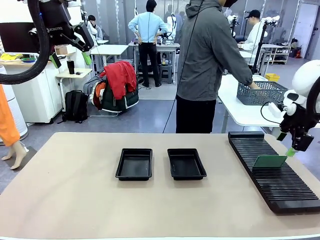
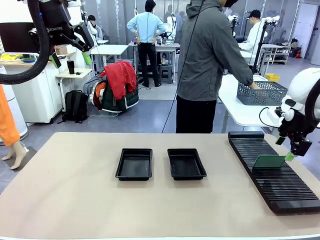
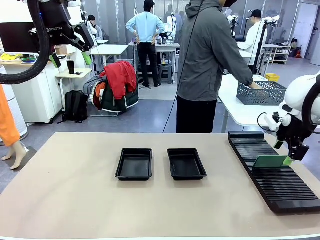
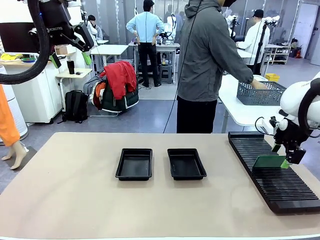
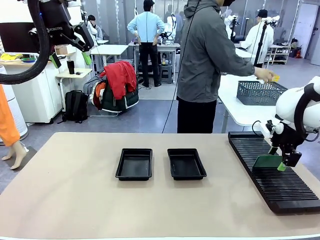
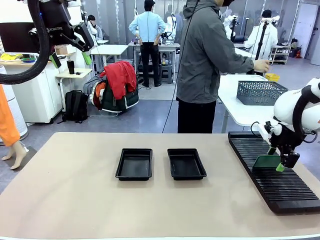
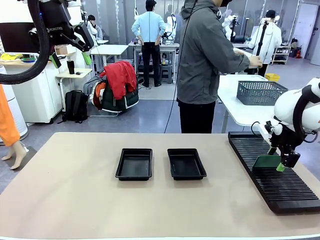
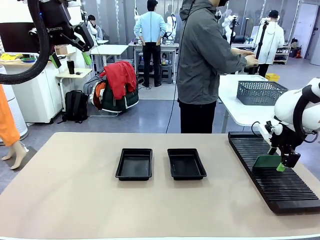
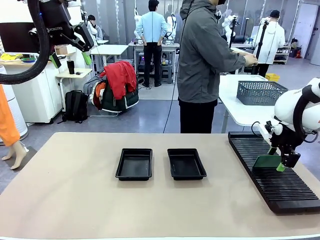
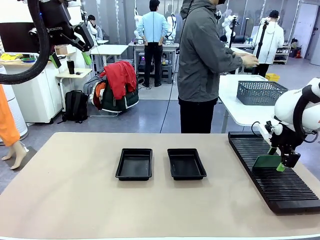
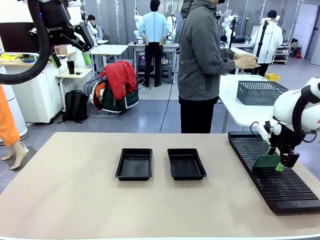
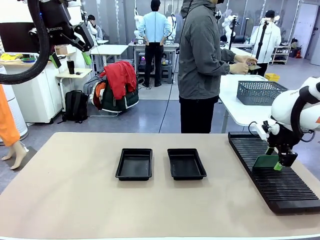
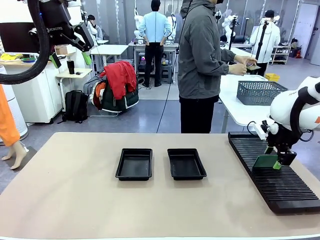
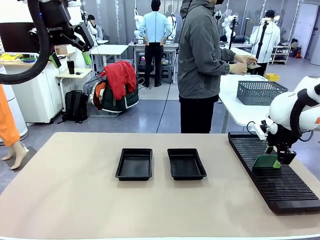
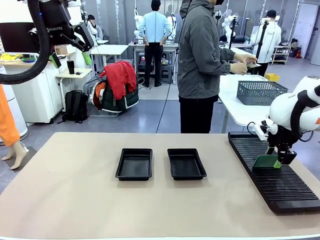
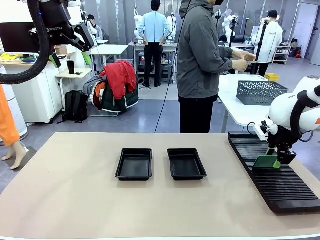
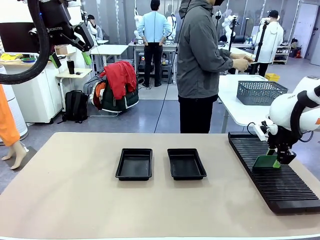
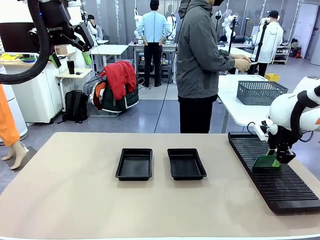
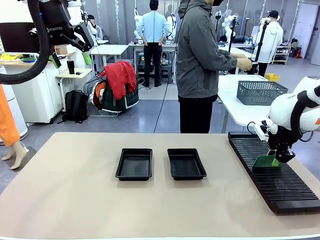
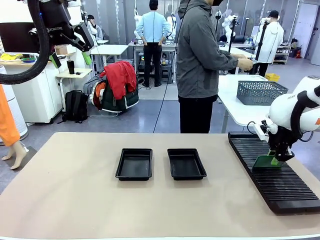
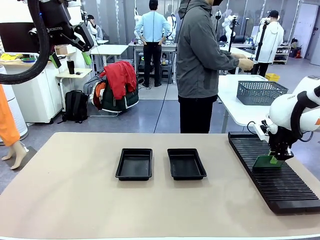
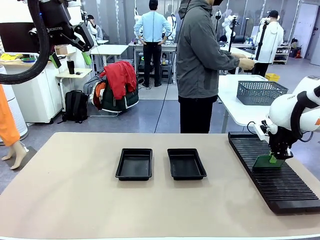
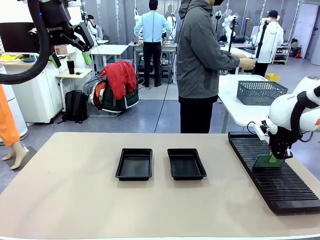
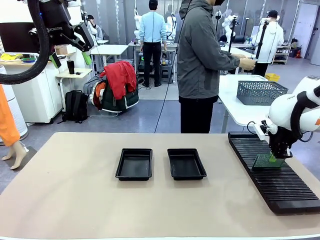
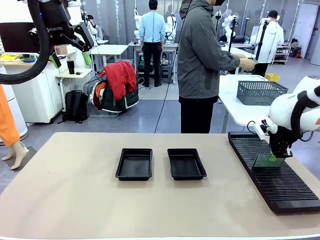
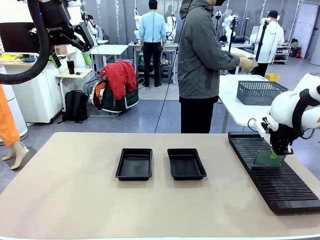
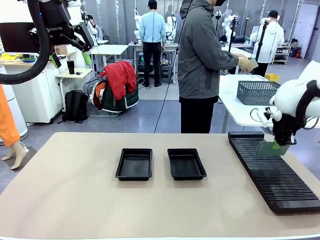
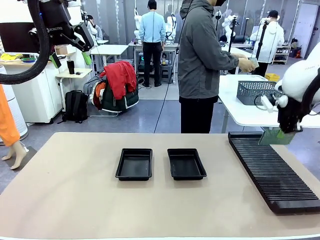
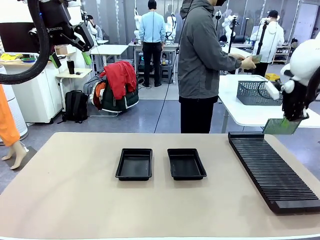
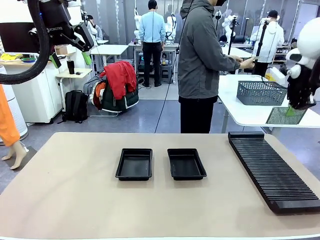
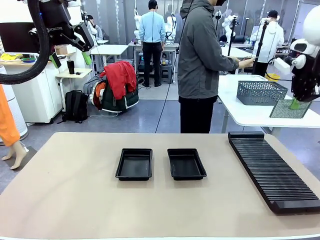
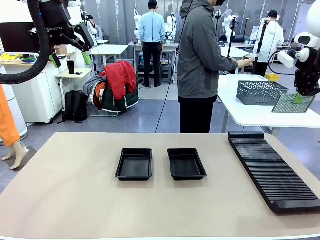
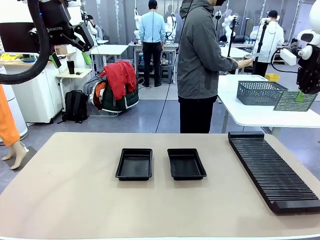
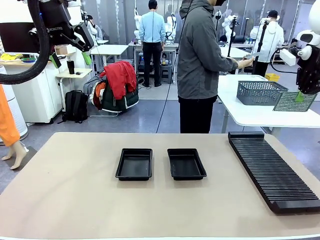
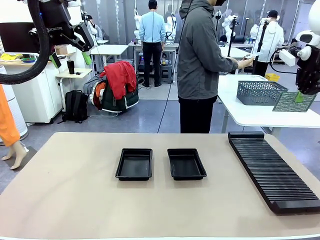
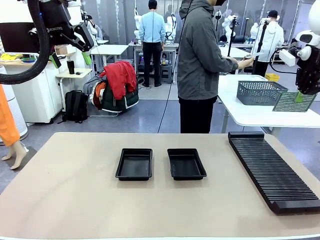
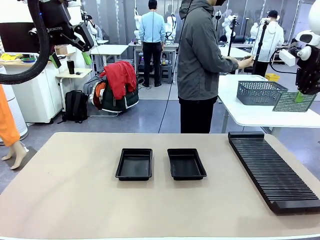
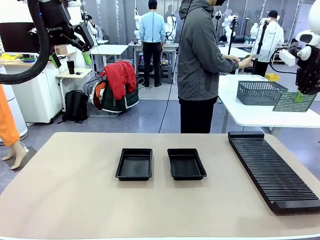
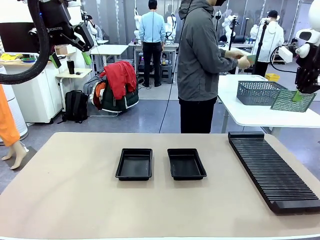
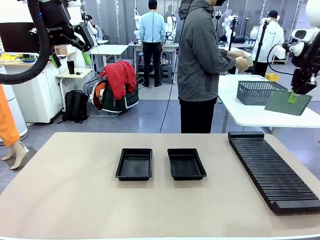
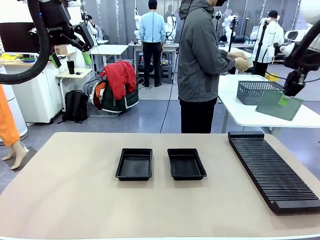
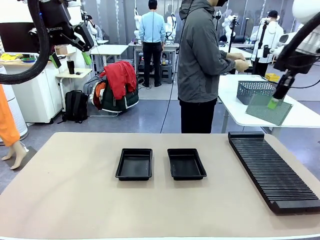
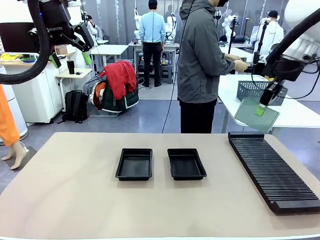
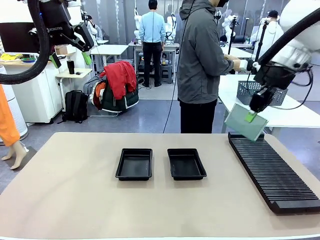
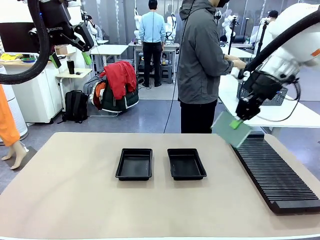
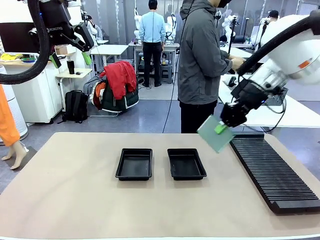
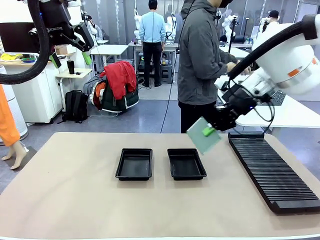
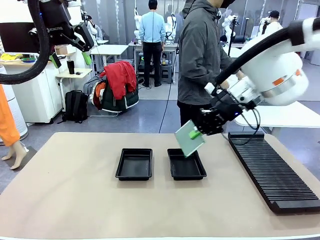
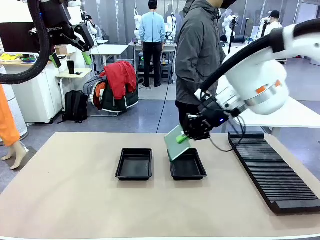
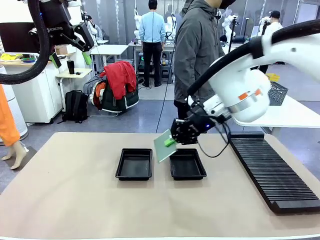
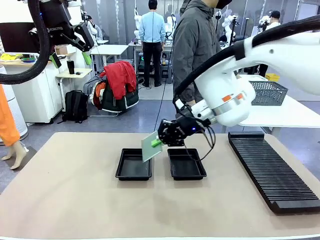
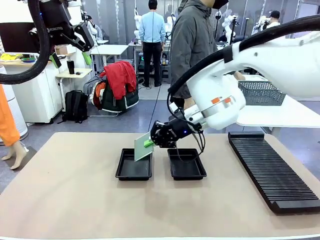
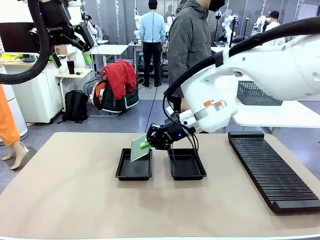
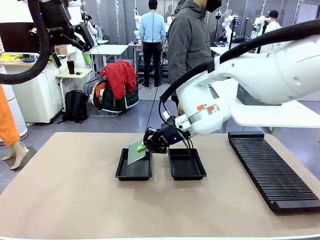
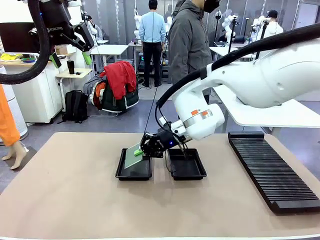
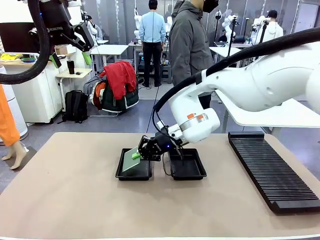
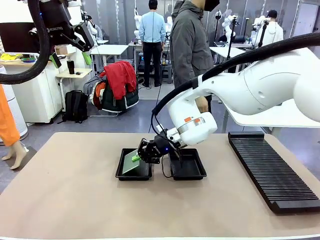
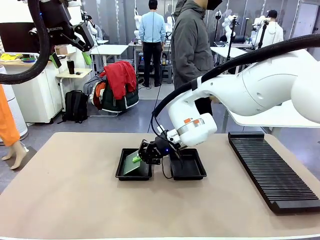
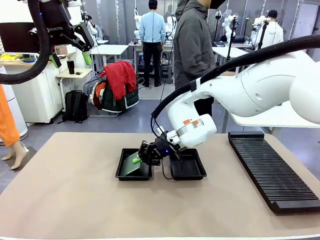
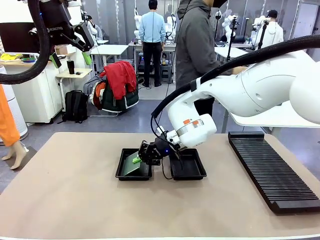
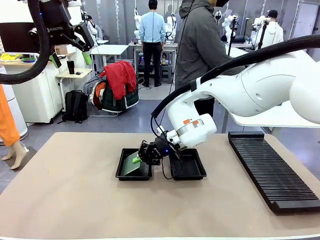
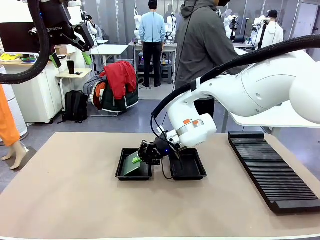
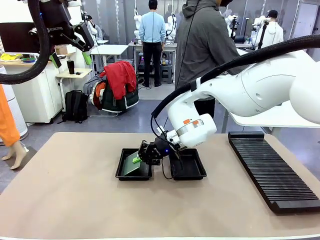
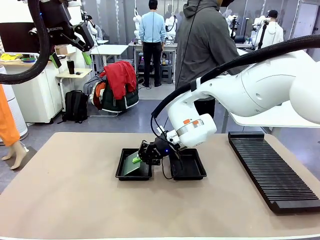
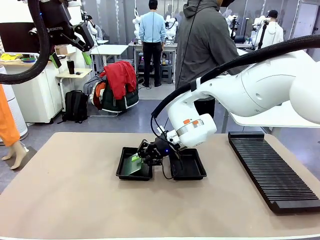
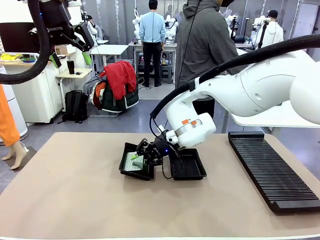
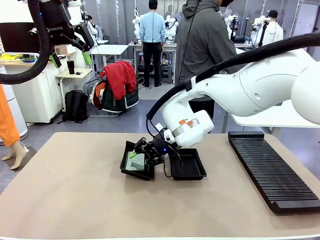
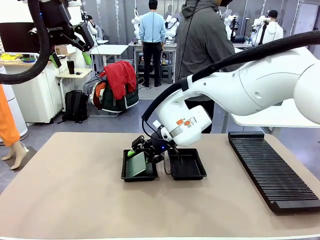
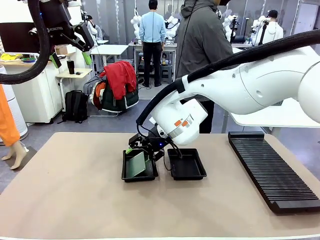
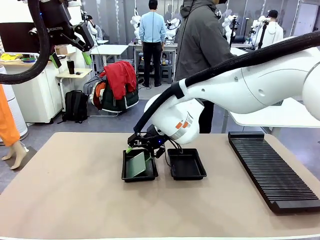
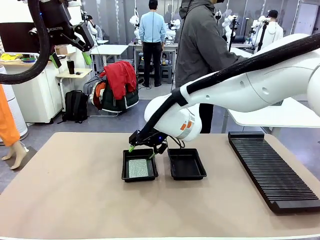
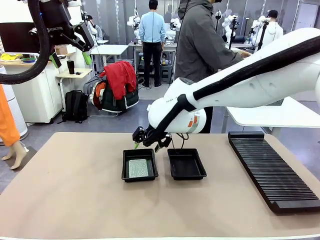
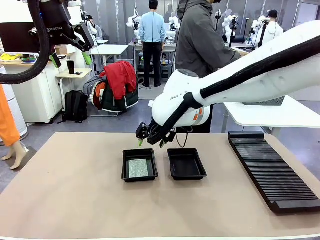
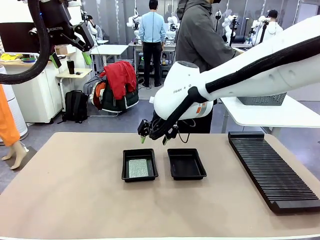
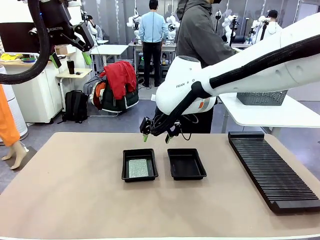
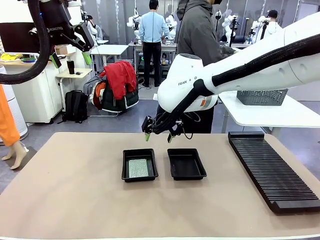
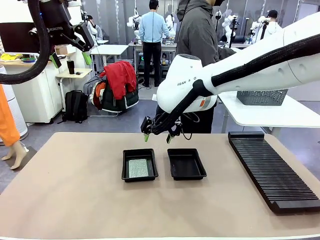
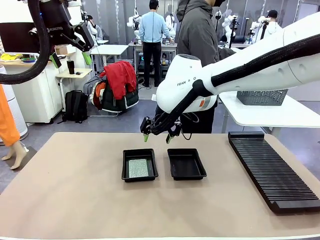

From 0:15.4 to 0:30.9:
Task: Inspect and transfer BCBs to ESD trays.
Robot: Pick up the Blank PCB from the PCB Rack and place it in the left ESD tray.
